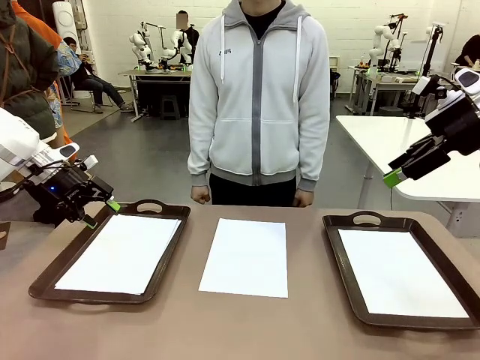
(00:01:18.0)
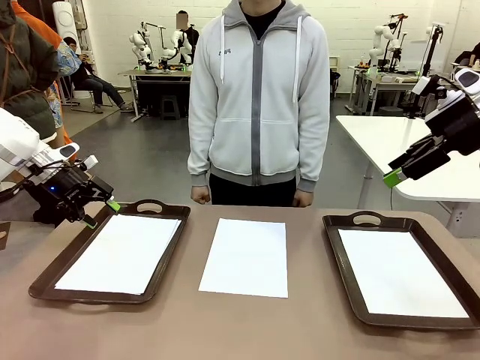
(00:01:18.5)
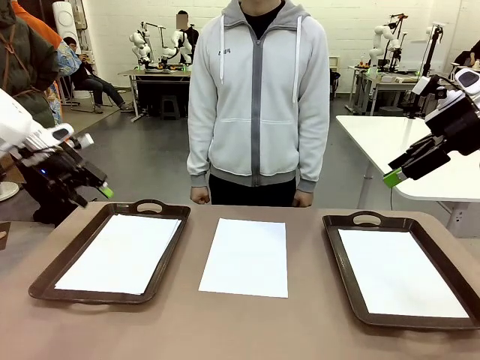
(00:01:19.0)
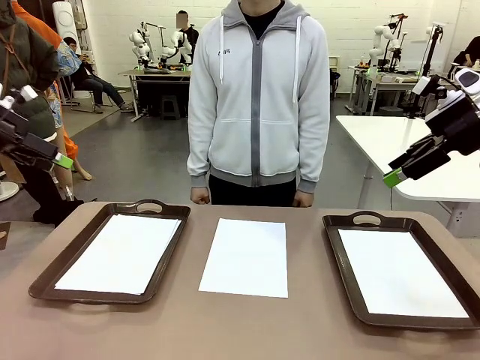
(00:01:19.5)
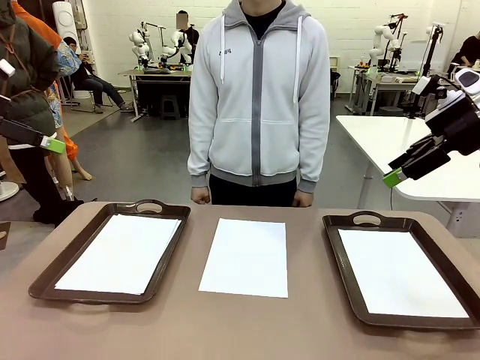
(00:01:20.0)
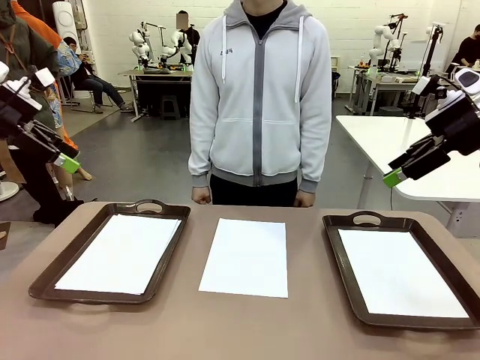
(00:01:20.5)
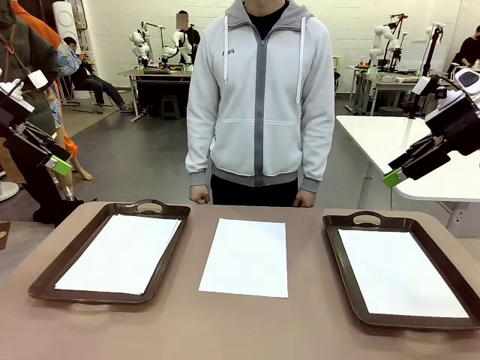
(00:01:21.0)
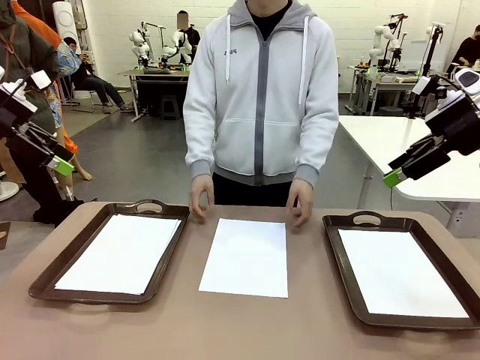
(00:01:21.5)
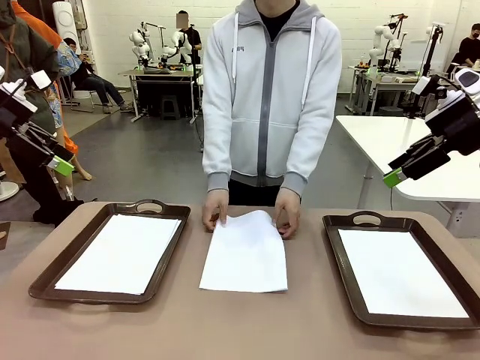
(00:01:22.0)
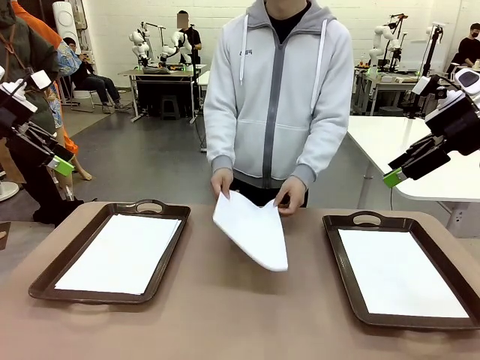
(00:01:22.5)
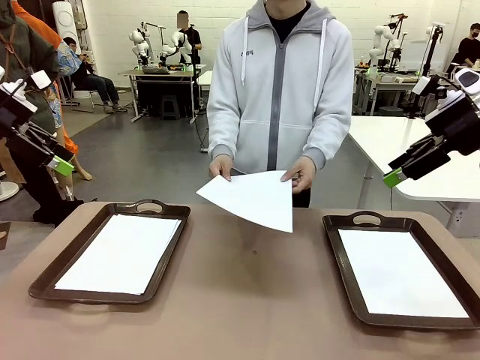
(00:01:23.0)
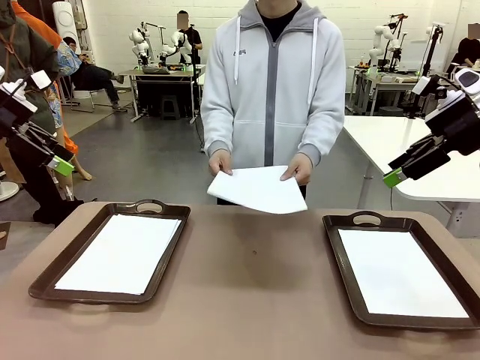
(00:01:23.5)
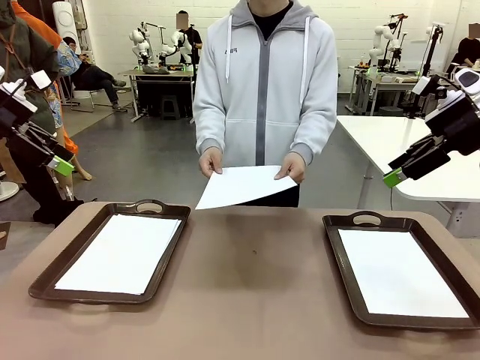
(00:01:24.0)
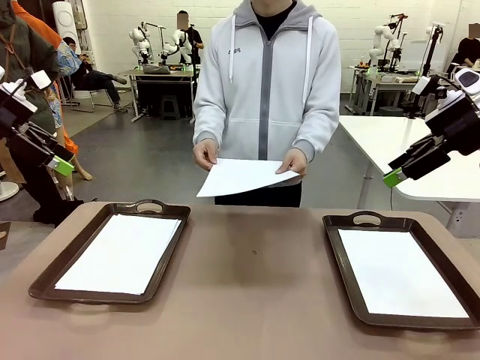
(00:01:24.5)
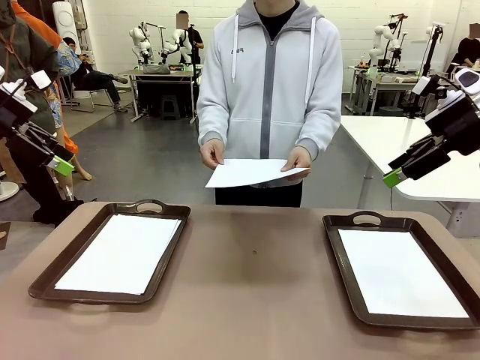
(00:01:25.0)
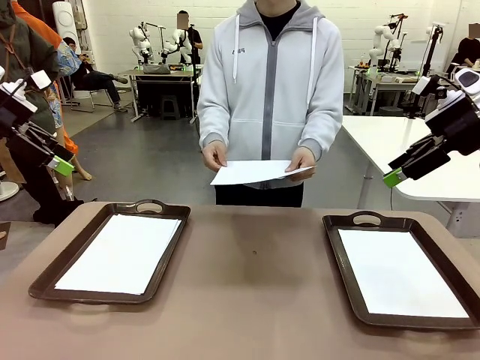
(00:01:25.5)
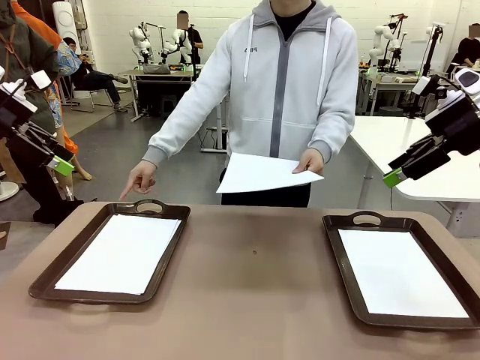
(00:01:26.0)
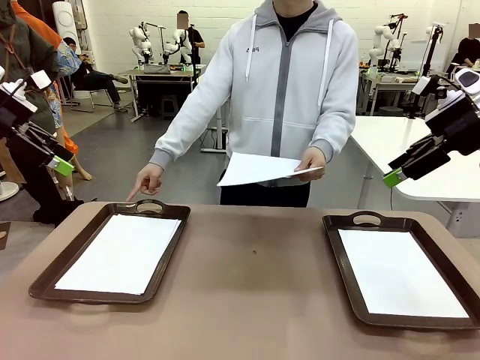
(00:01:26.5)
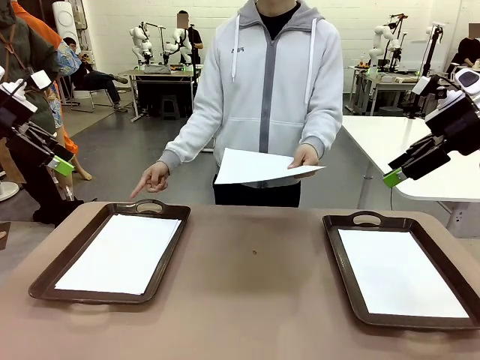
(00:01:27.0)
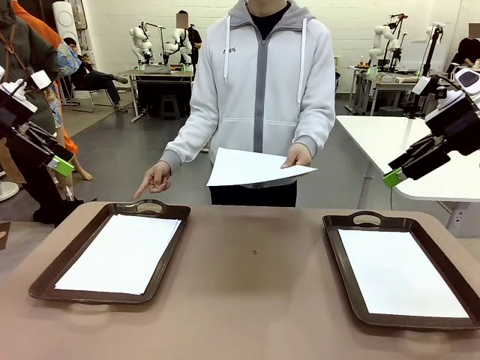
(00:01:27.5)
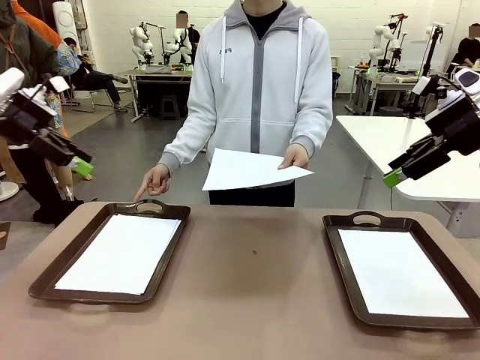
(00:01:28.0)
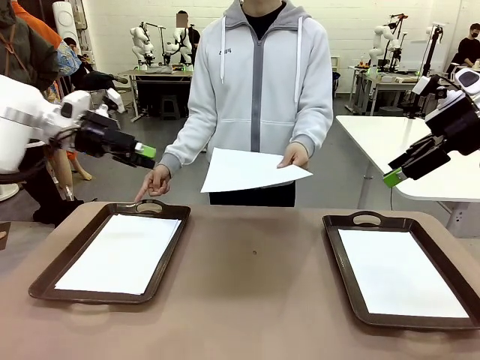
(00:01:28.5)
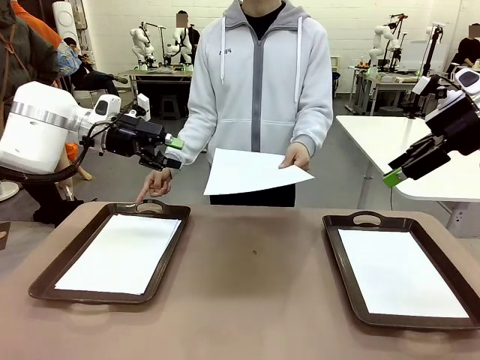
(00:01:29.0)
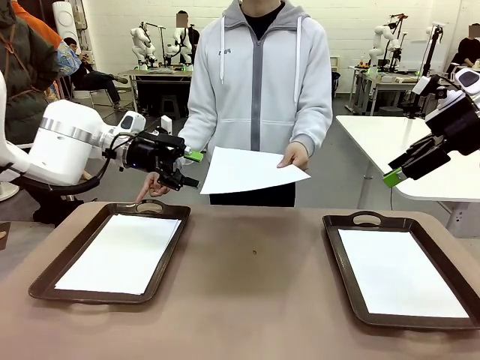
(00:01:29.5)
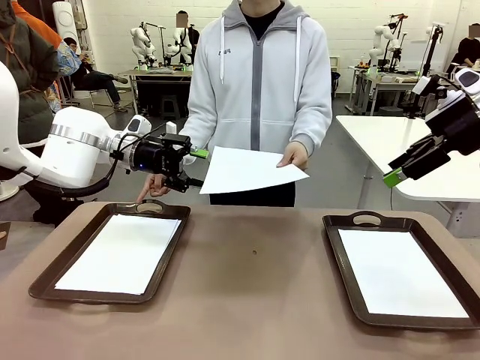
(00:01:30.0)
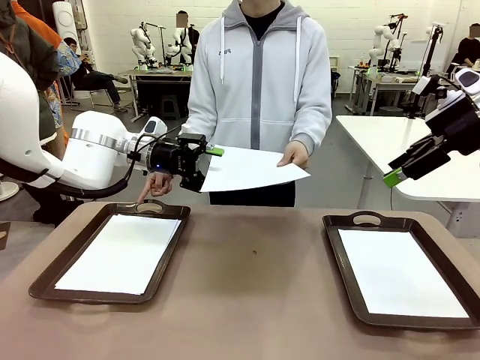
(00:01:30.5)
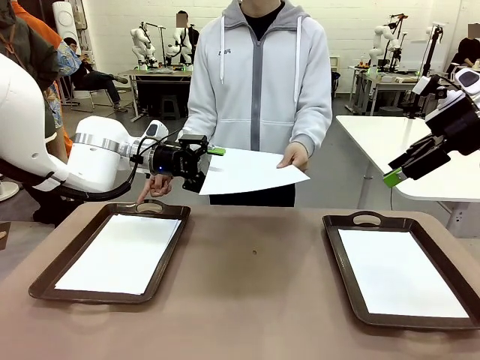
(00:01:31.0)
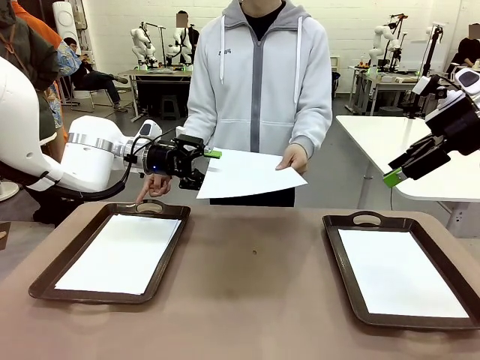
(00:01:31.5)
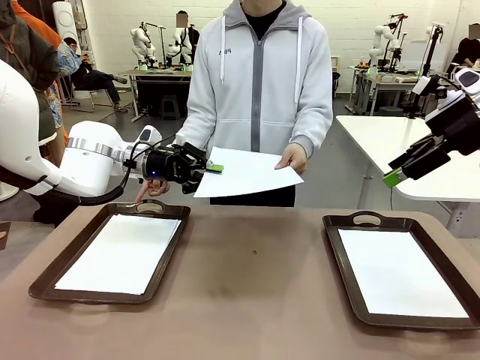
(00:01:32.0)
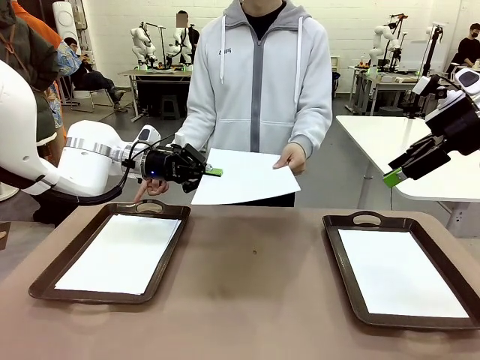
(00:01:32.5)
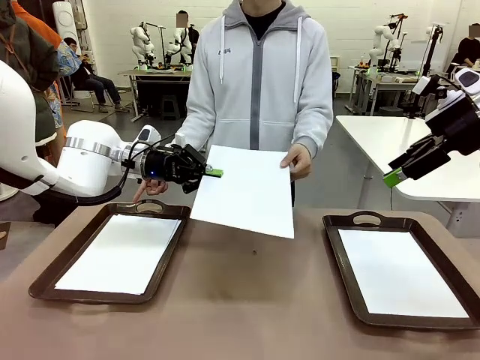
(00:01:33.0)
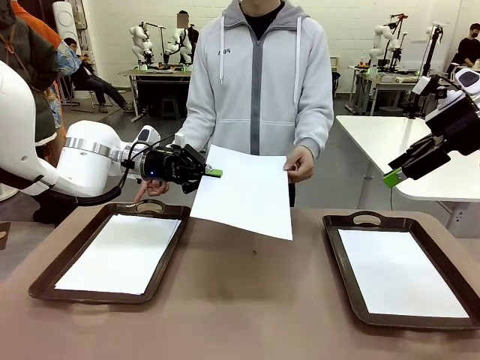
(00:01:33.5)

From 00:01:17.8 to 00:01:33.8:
Task: Sort the A4 documents.
Robot: Receive the A4 Paper.
Person: Point the randomly selected tray with the other hand.

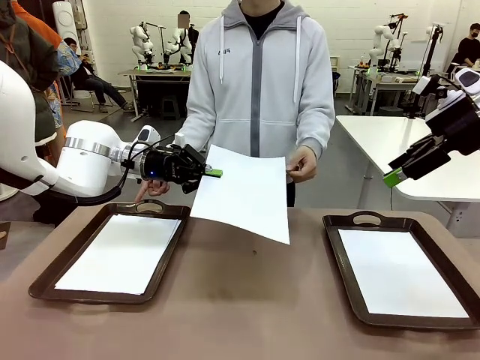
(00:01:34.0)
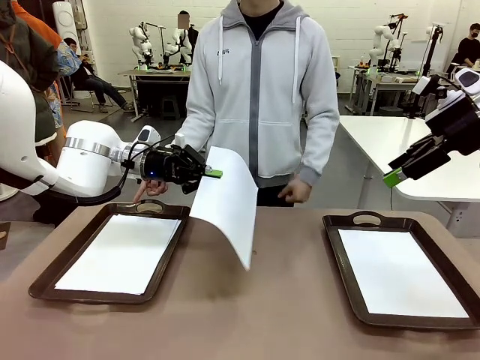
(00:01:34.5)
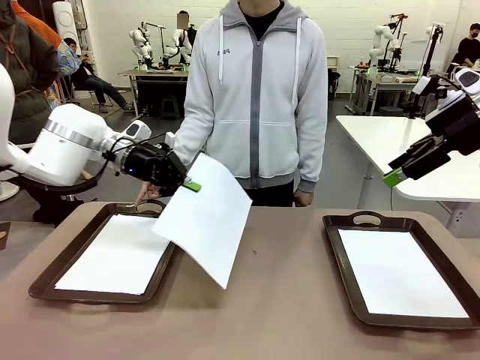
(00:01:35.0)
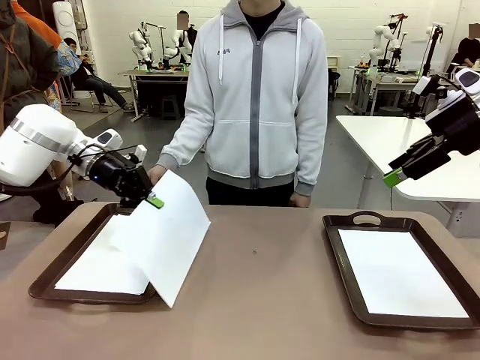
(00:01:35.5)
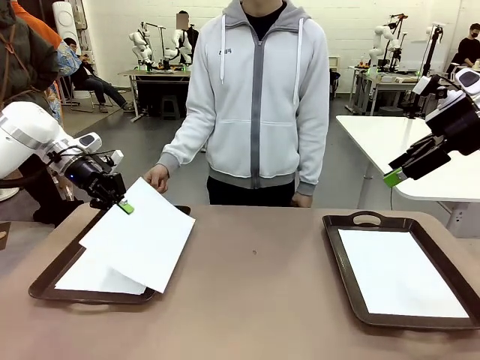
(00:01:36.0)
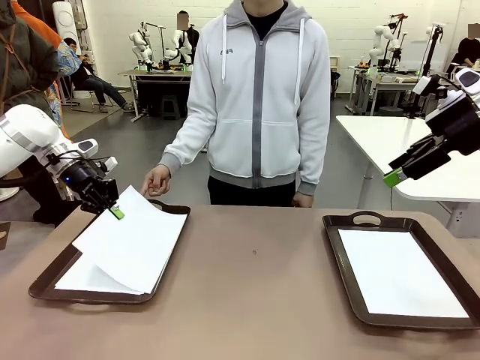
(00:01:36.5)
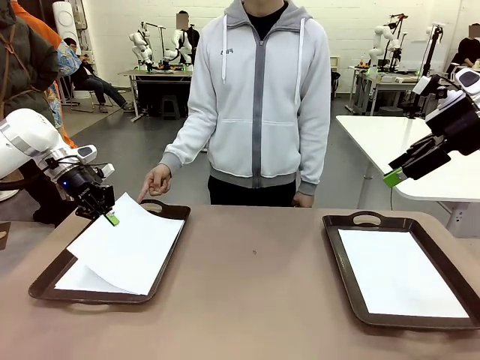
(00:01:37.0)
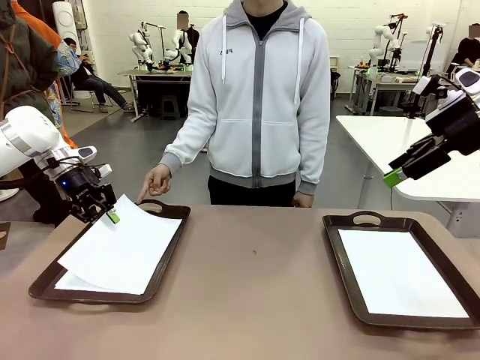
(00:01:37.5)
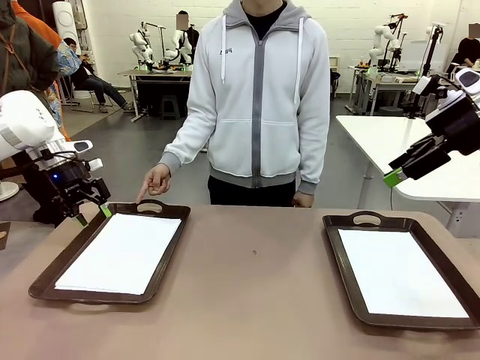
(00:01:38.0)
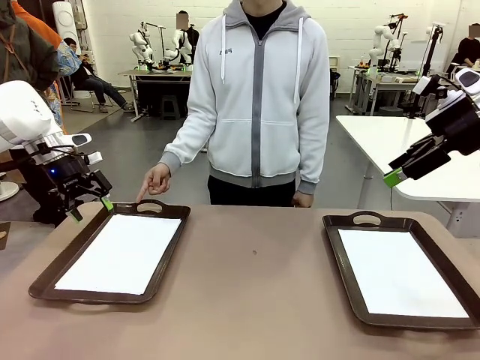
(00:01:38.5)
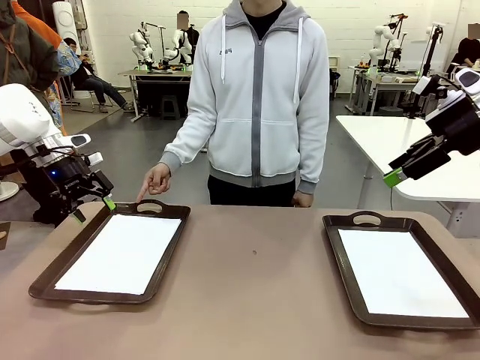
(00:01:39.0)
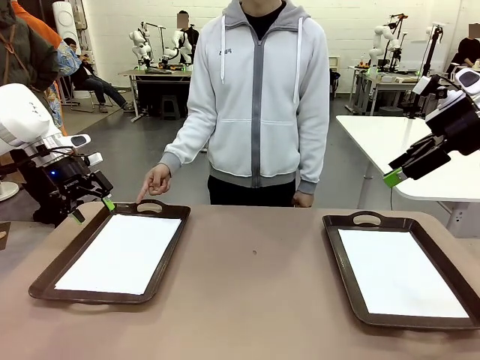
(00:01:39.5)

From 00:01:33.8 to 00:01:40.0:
Robot: Place the A4 Paper in the designated Handle tray.
